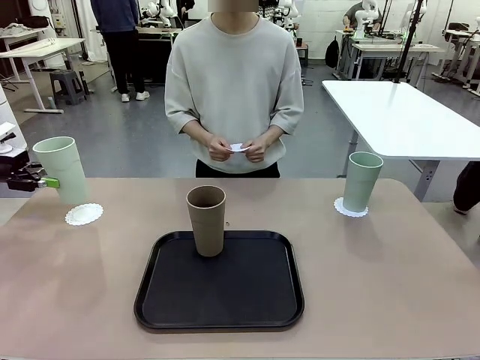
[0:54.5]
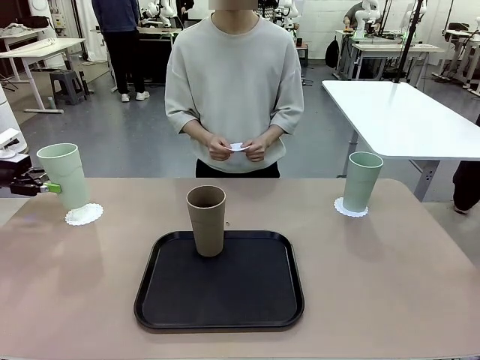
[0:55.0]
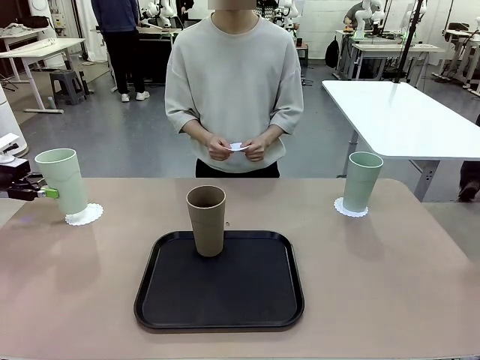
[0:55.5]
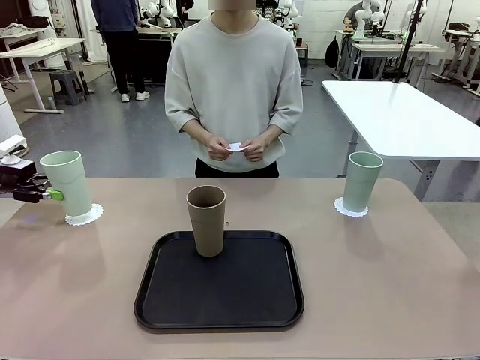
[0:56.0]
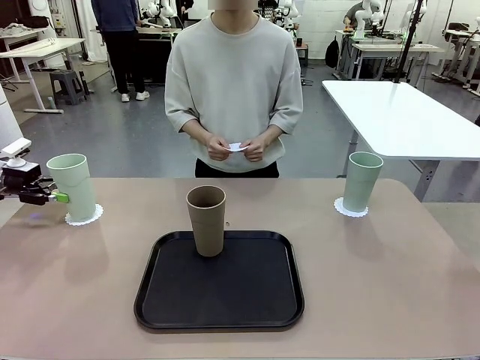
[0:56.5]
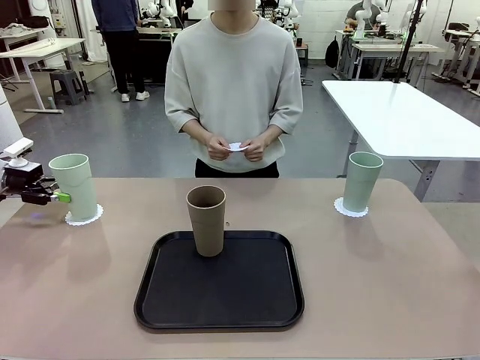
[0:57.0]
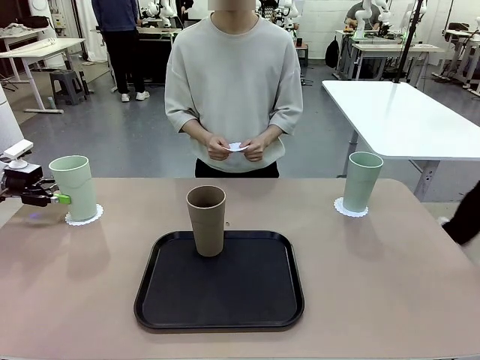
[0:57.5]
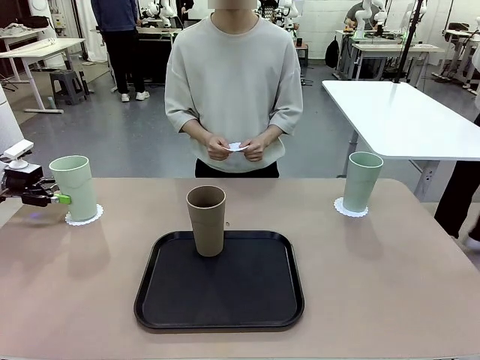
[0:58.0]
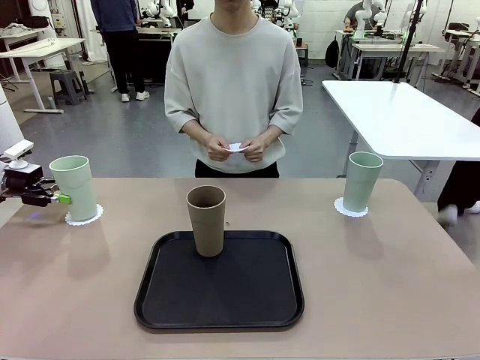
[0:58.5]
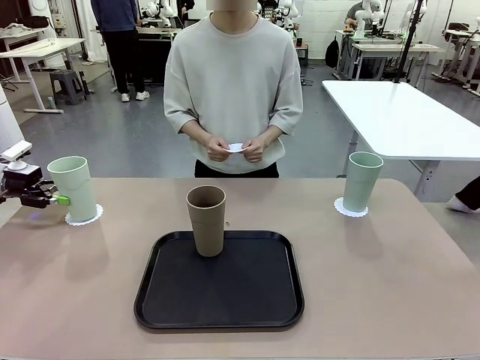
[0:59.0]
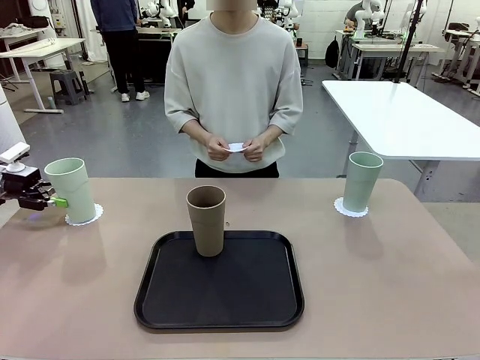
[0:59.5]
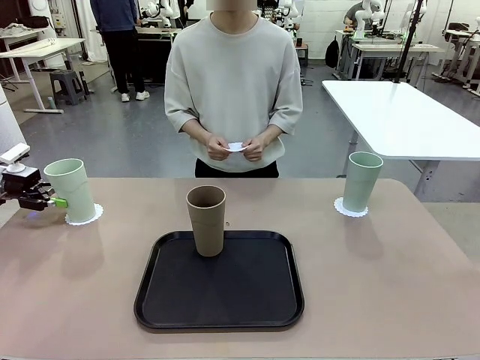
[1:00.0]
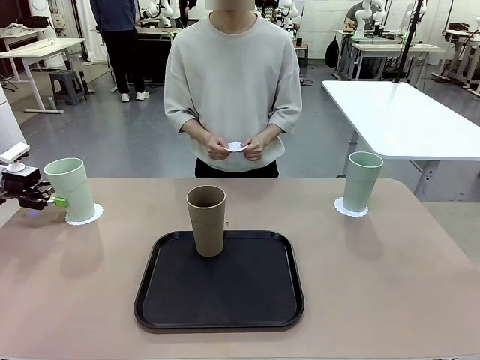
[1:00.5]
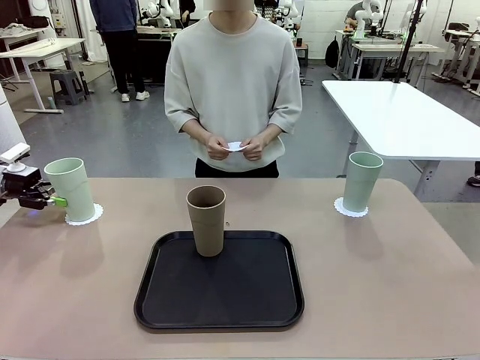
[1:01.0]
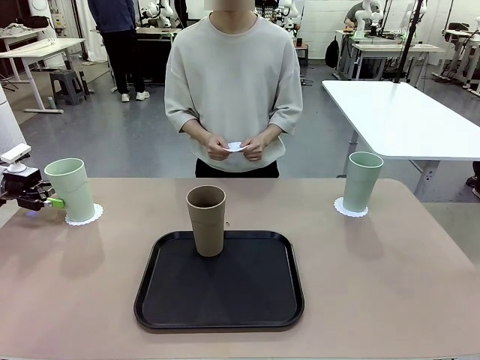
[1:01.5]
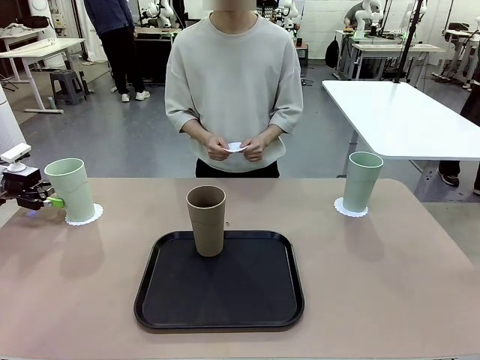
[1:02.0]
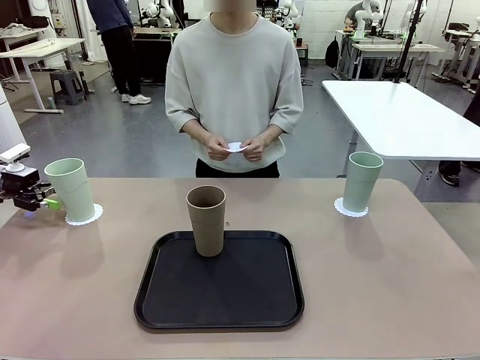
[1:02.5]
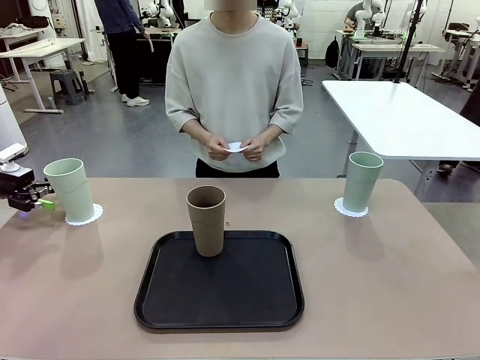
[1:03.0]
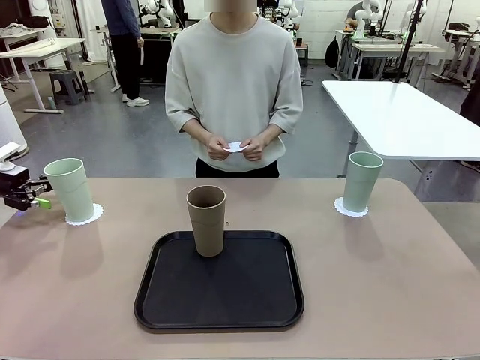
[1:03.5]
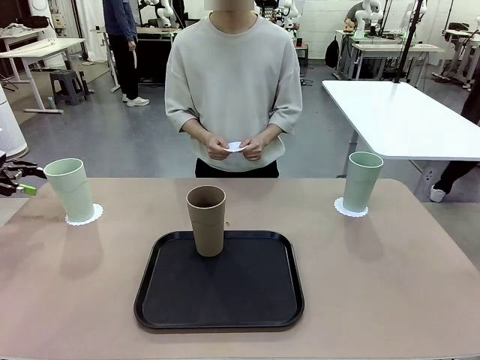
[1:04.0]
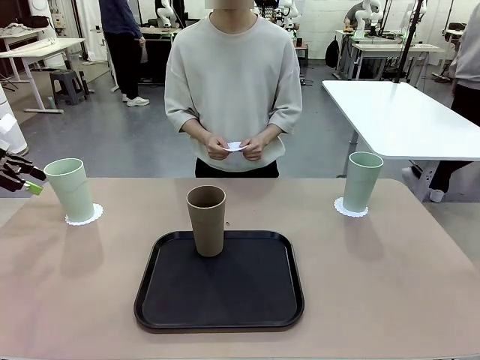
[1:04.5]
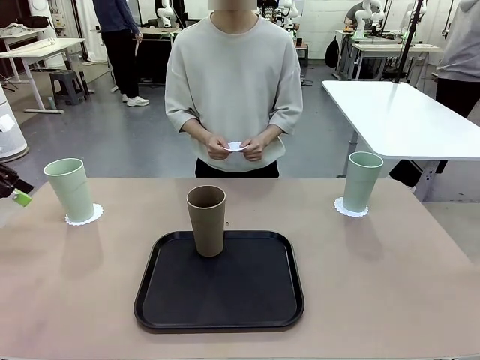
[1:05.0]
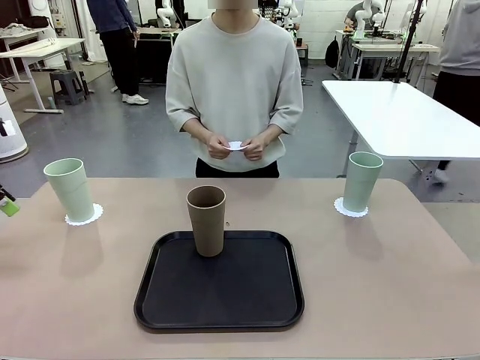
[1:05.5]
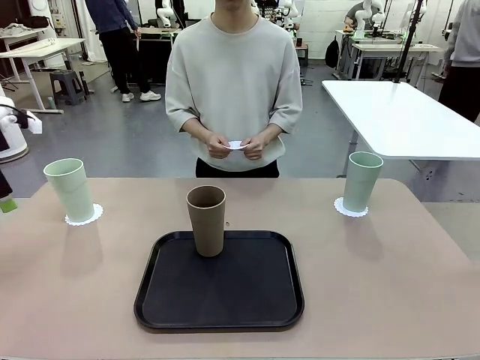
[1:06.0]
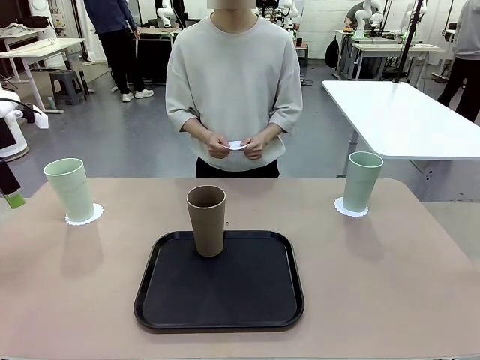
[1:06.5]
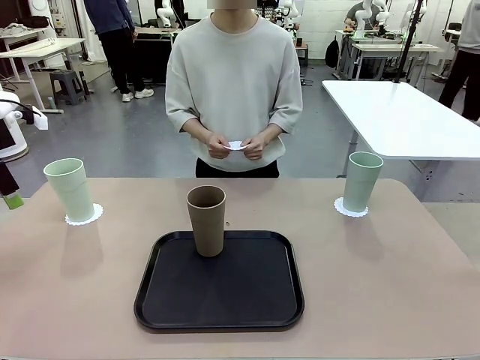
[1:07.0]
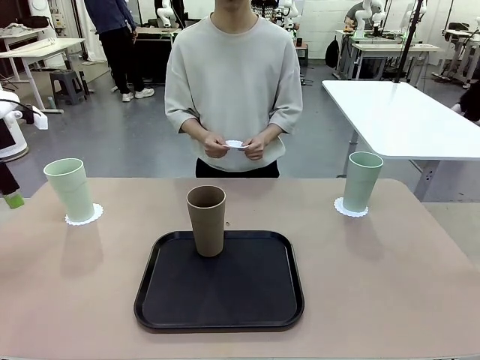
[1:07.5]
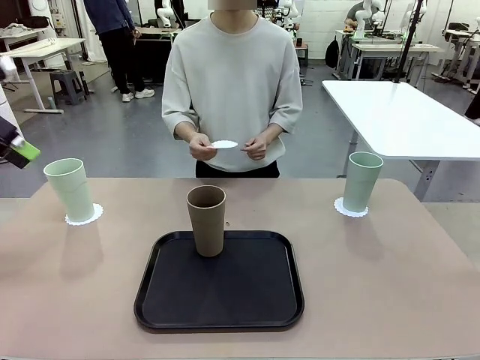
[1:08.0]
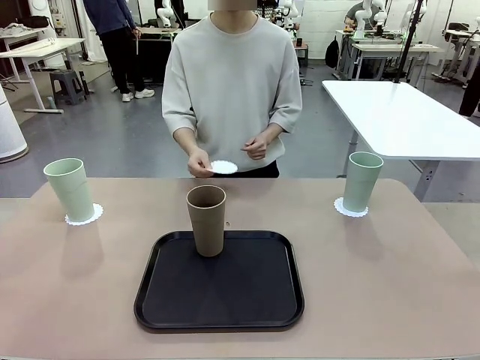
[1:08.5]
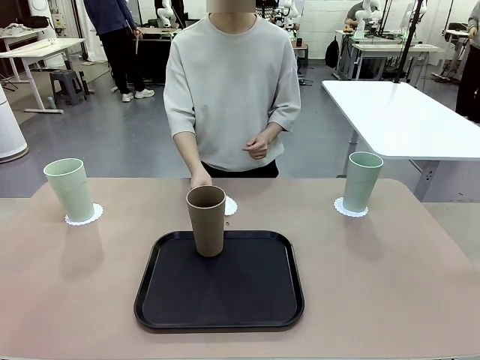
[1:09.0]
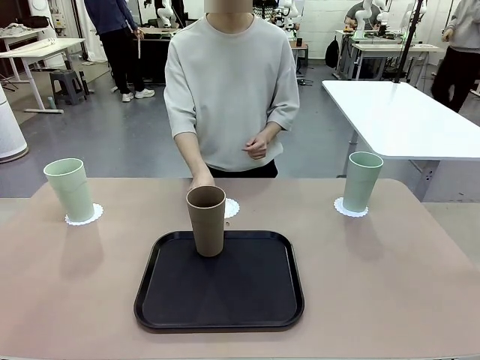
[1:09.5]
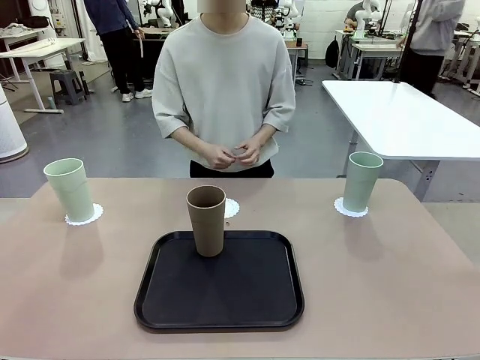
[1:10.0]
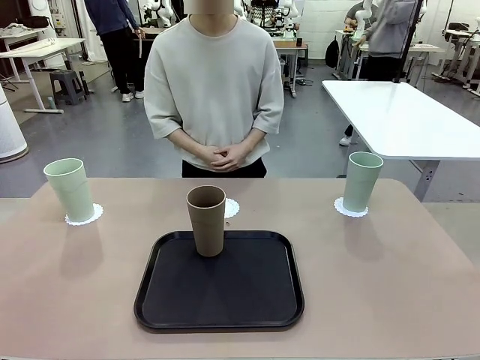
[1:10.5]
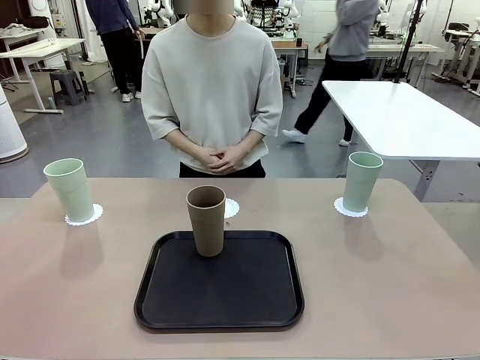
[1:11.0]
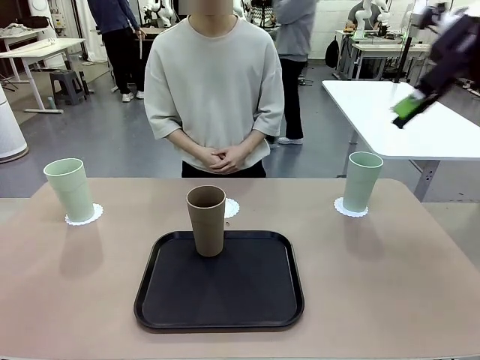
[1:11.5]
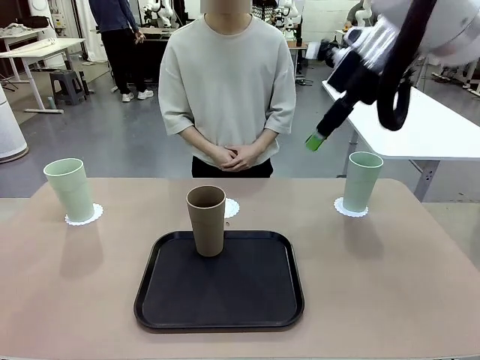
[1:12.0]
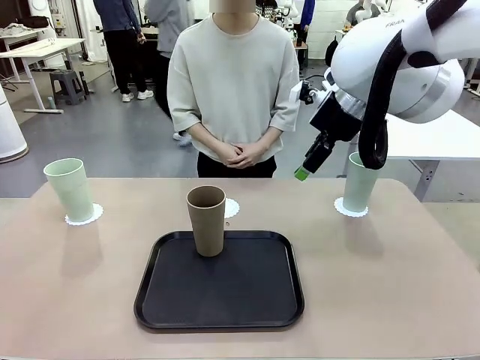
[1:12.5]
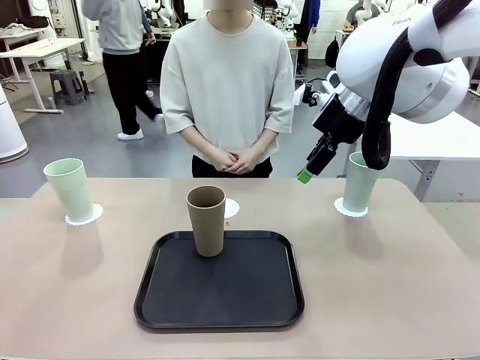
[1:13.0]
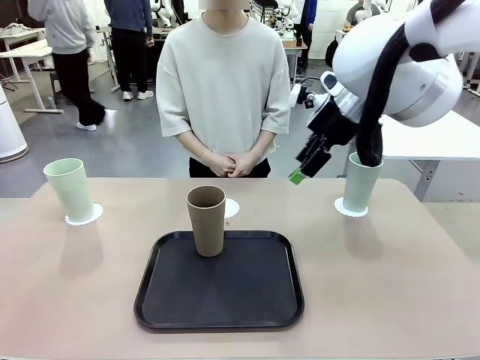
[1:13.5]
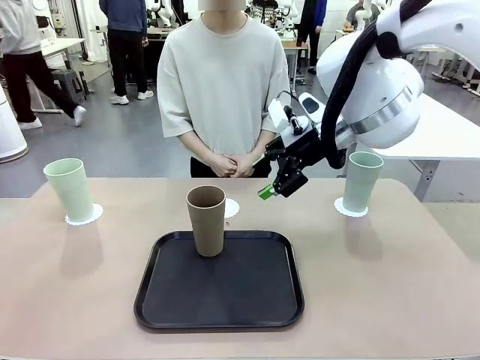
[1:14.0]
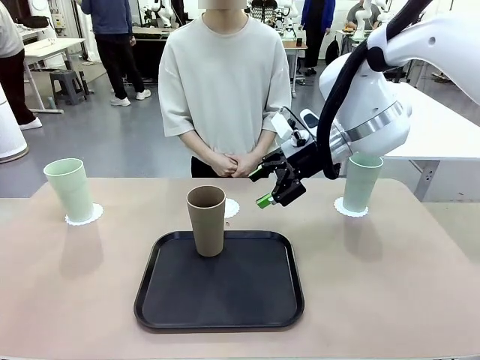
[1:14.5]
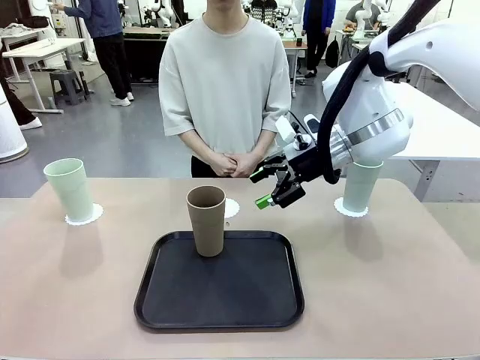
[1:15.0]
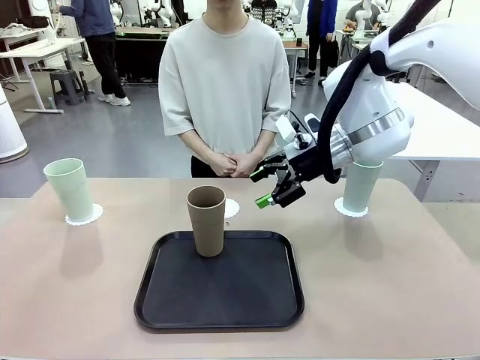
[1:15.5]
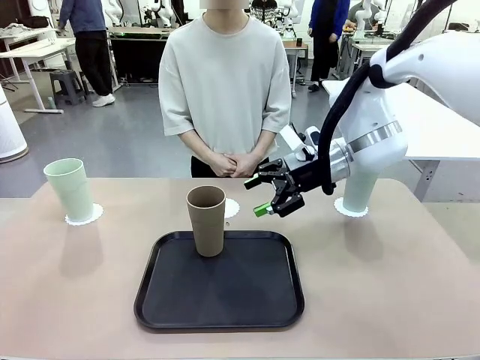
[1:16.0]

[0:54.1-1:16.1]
Task: Place coasters on the table and set cups on them.
Robot: Take one Reusable plastic cup from the Flat Tray and place it on a coaster set by the human.
